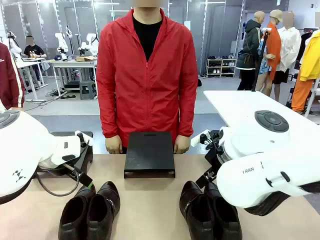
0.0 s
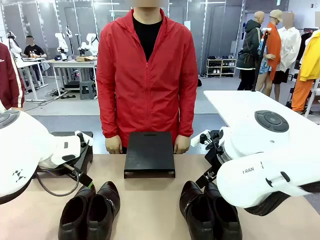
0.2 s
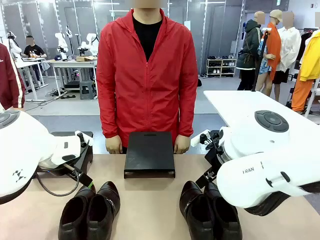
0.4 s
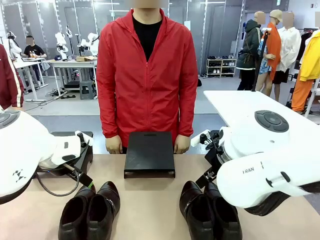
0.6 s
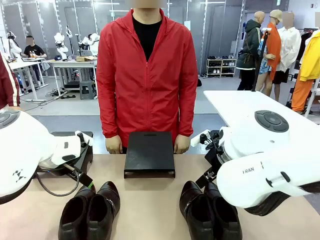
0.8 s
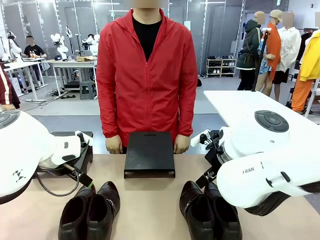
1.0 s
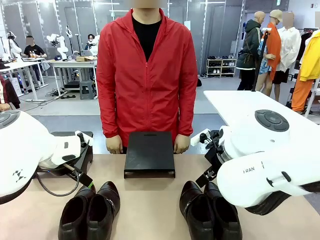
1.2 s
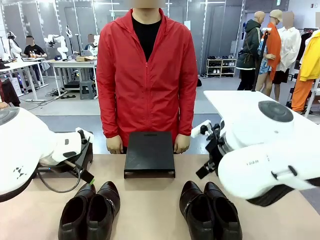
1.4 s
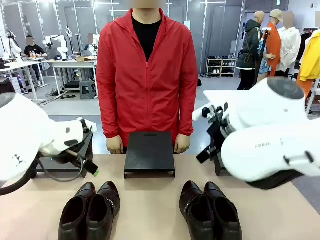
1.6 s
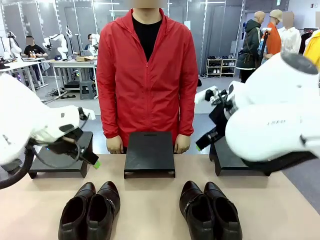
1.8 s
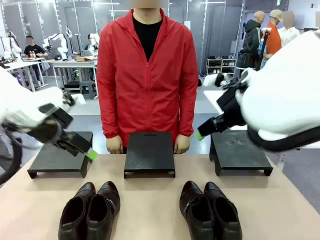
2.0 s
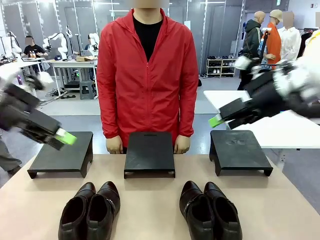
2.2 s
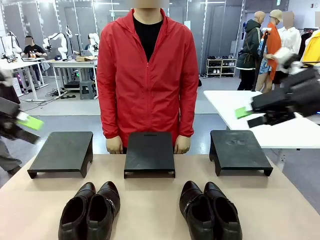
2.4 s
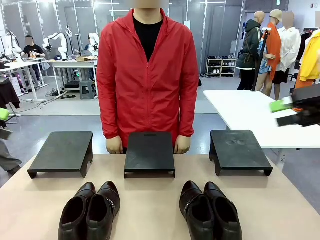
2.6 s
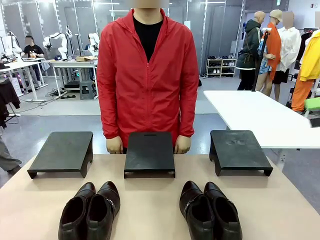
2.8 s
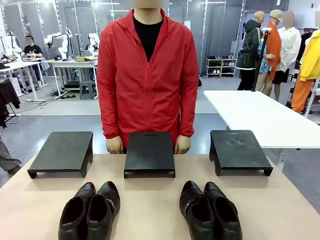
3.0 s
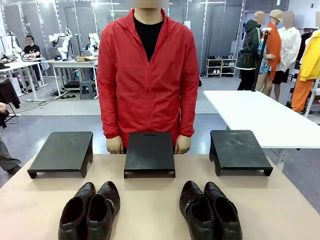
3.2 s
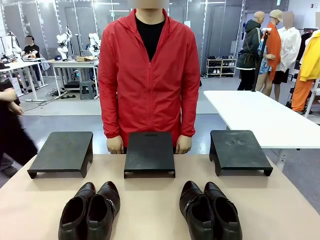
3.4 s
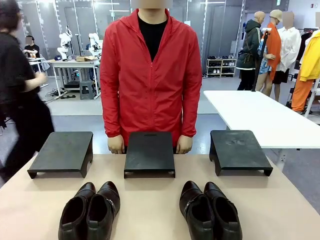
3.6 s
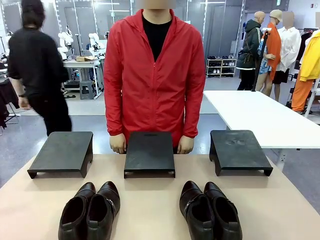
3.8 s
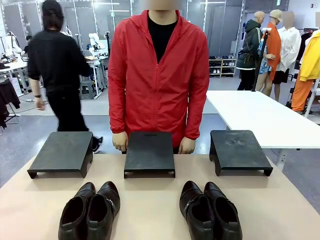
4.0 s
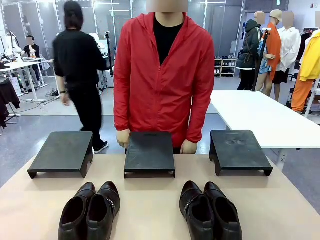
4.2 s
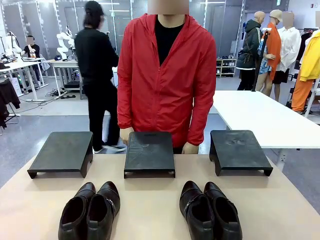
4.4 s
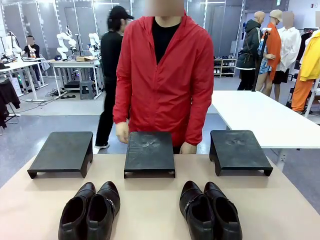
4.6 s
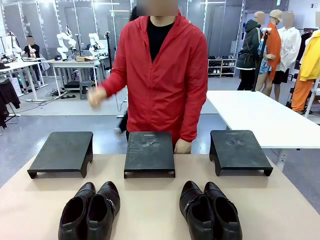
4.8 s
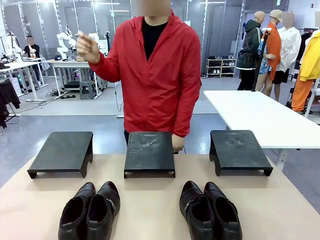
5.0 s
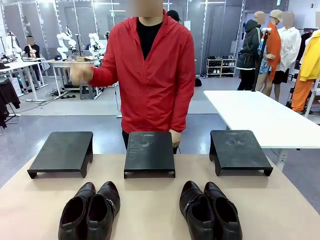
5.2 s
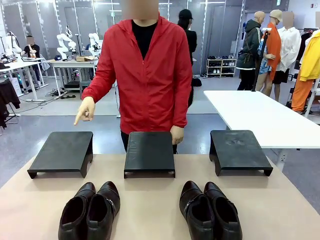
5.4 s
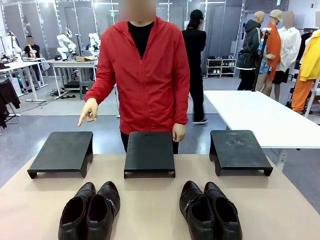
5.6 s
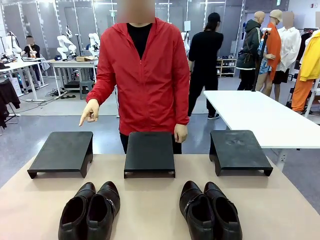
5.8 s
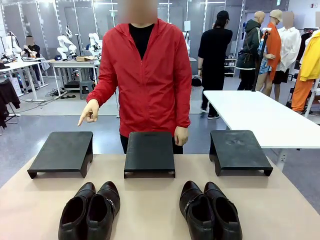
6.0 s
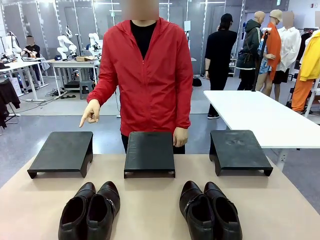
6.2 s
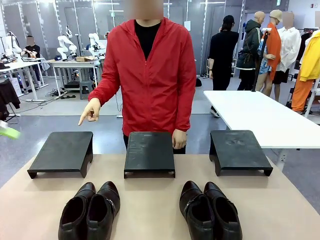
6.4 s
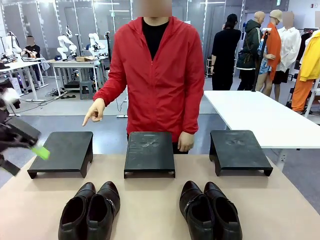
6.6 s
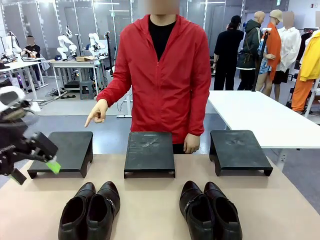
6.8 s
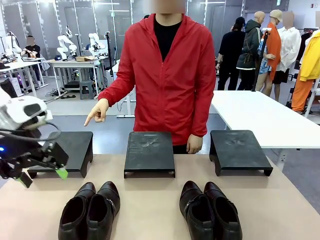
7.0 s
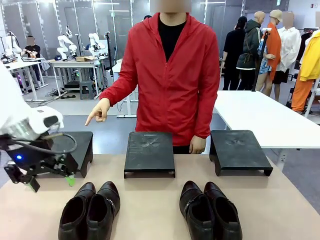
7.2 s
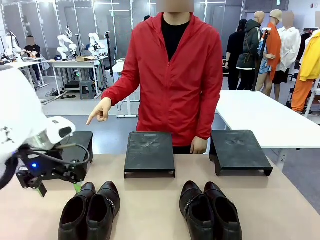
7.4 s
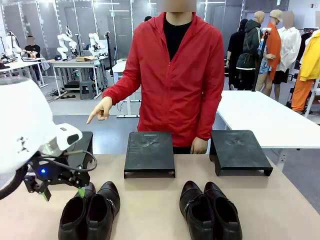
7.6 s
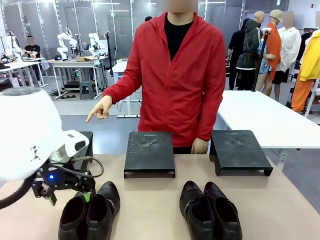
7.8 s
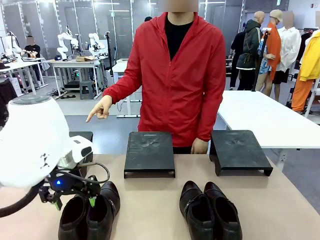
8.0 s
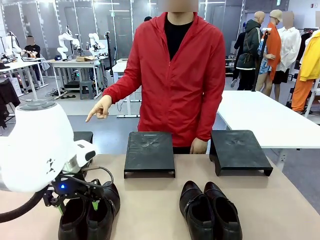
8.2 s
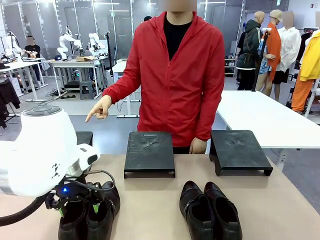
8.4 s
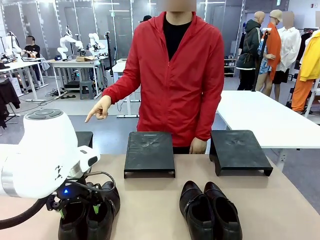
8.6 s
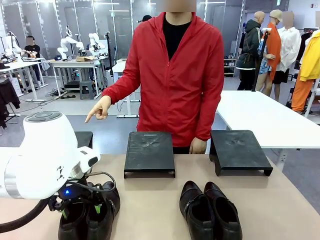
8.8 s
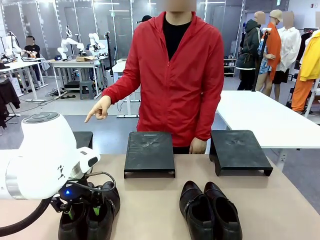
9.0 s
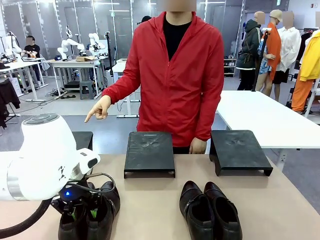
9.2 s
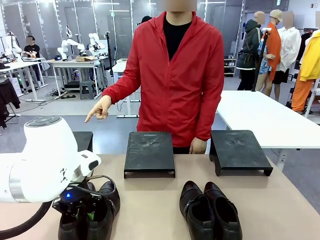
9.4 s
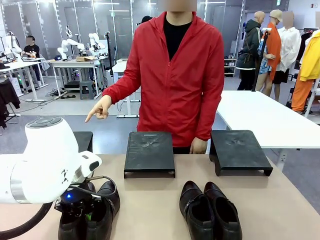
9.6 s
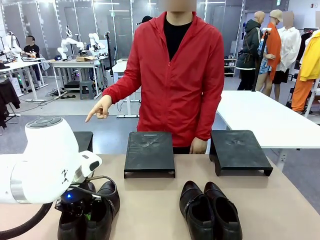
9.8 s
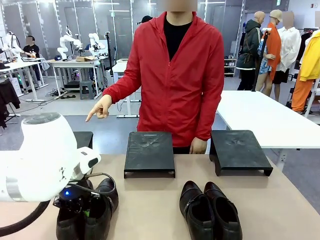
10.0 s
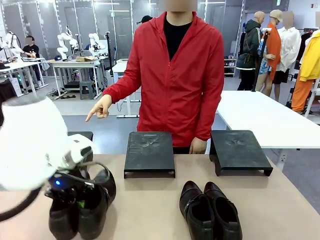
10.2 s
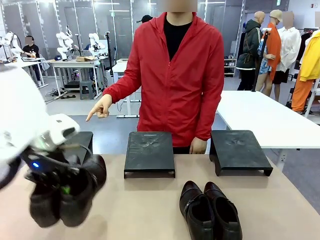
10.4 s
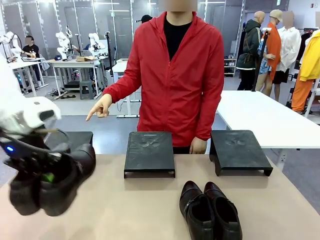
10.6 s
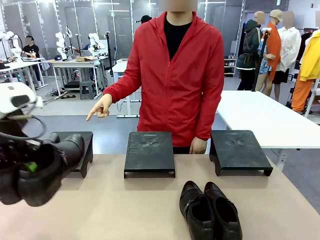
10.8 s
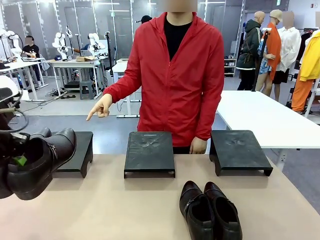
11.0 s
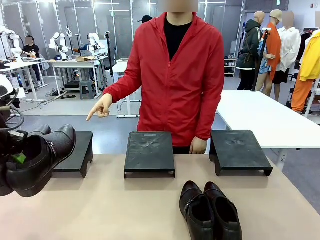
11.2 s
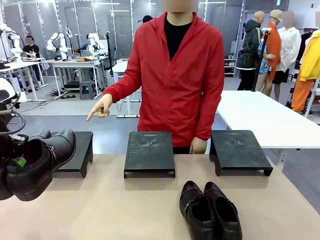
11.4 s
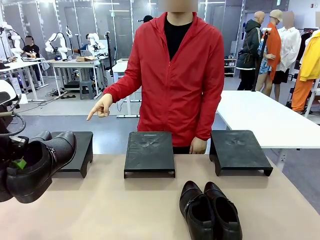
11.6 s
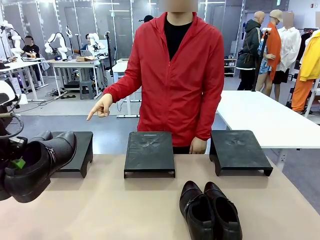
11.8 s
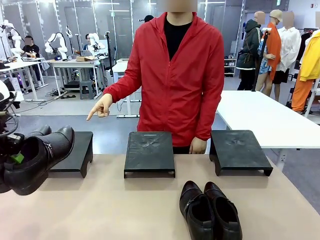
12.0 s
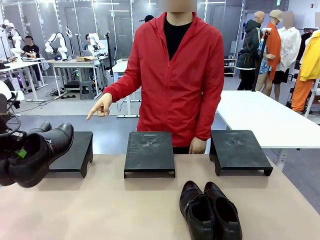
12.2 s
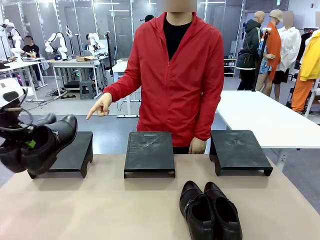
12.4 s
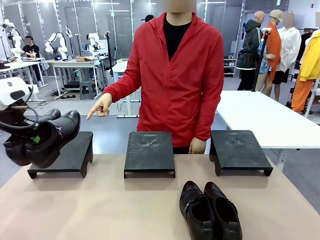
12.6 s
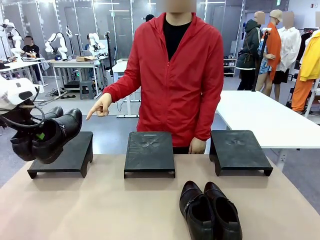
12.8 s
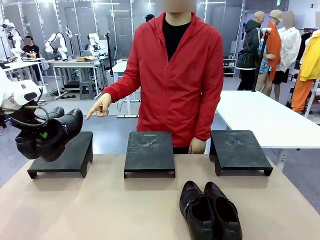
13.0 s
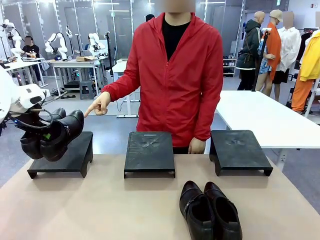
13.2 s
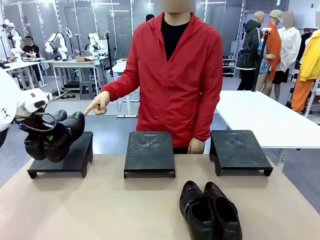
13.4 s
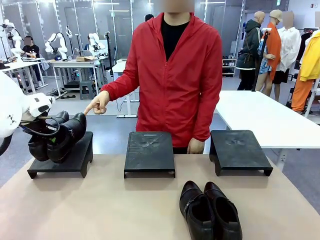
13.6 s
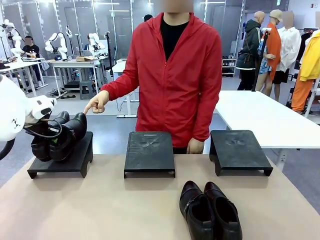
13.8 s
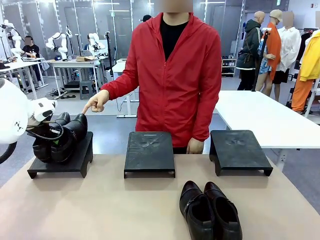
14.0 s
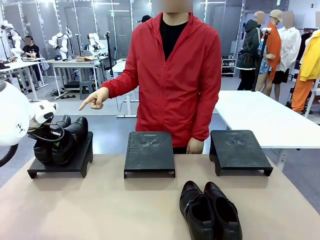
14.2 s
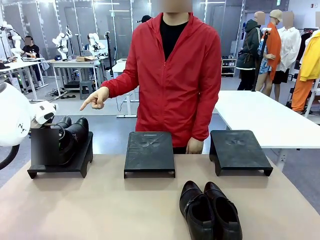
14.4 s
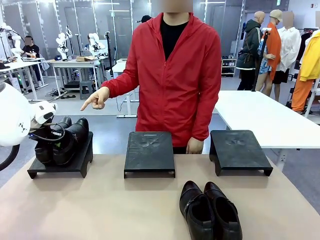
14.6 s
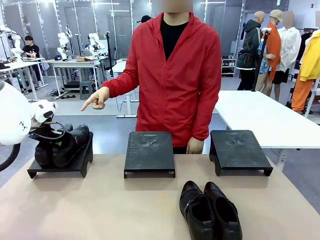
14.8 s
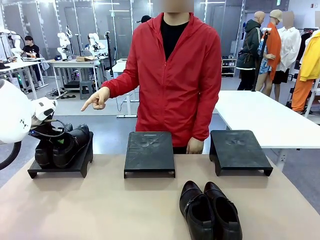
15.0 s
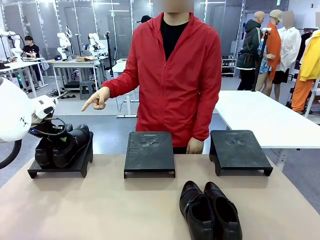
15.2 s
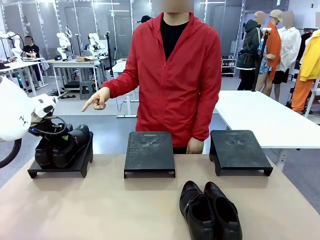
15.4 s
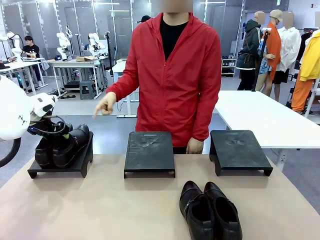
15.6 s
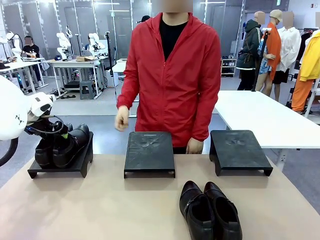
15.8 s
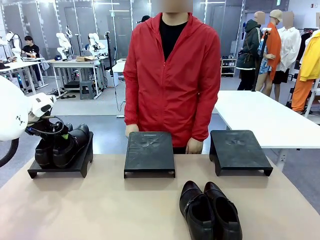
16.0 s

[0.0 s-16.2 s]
Task: Place the shoes on the stand as instructed by the person.
Robot: Pick up one pair of Shoes and place it on the Shoes Stand indicated by the person.
